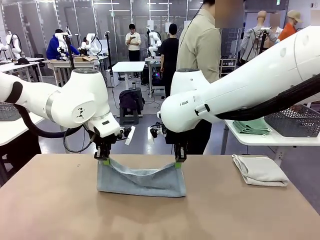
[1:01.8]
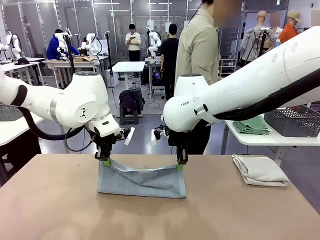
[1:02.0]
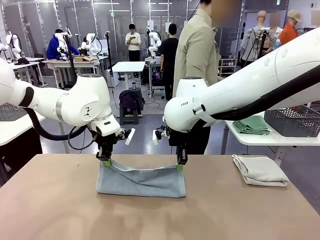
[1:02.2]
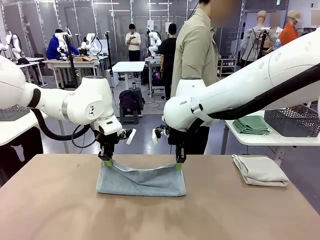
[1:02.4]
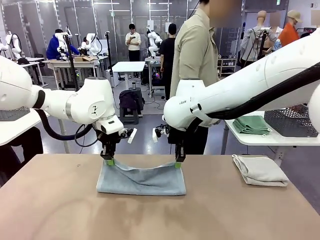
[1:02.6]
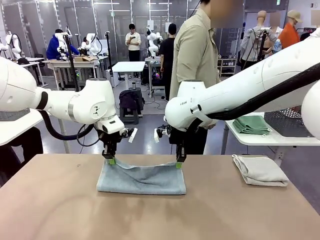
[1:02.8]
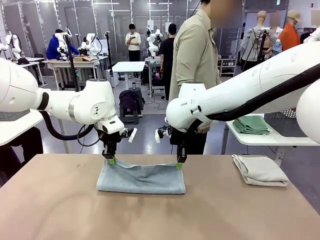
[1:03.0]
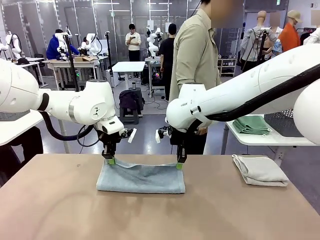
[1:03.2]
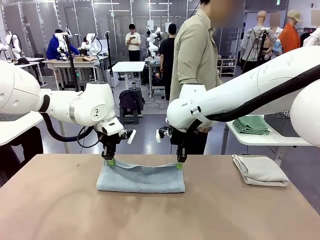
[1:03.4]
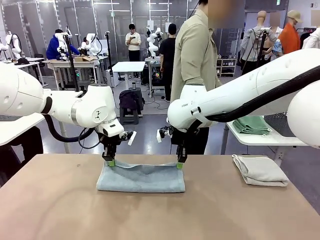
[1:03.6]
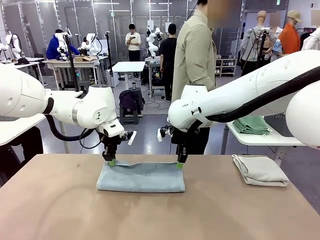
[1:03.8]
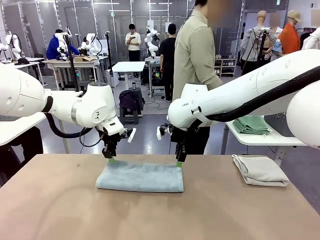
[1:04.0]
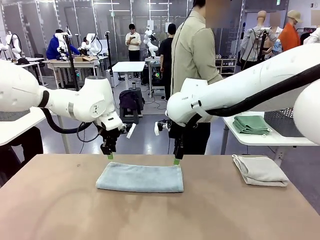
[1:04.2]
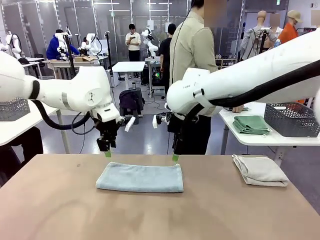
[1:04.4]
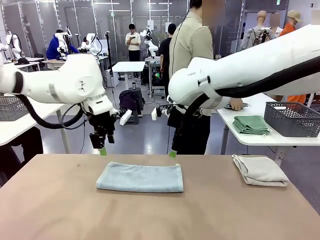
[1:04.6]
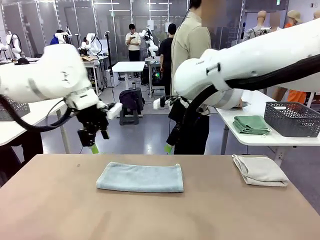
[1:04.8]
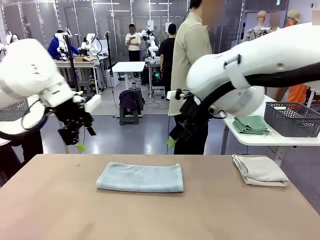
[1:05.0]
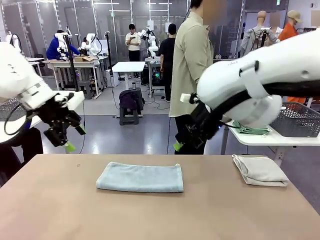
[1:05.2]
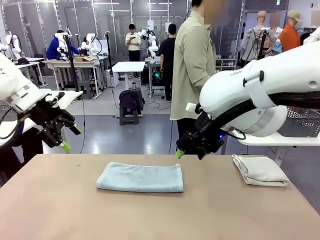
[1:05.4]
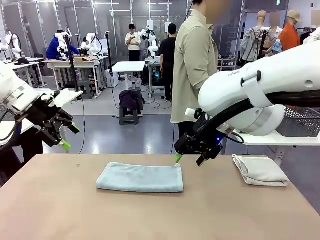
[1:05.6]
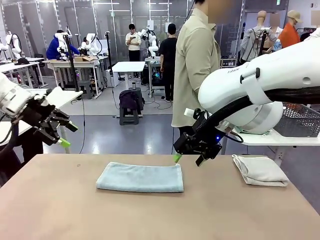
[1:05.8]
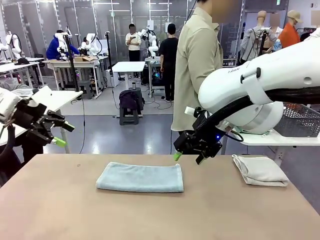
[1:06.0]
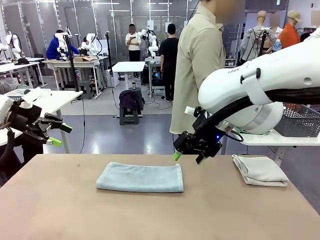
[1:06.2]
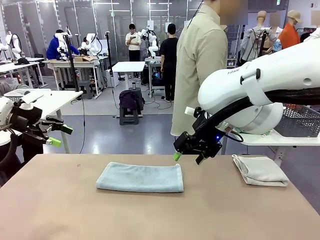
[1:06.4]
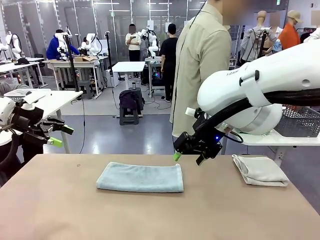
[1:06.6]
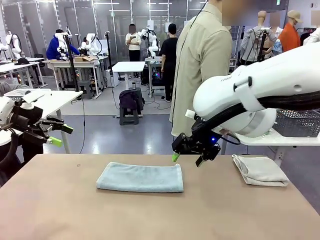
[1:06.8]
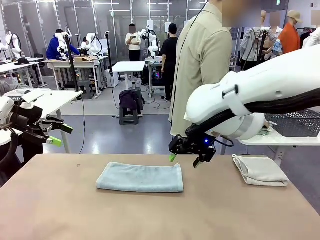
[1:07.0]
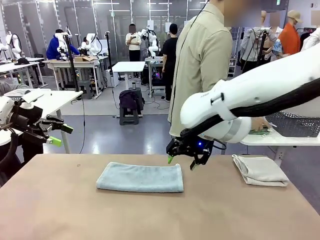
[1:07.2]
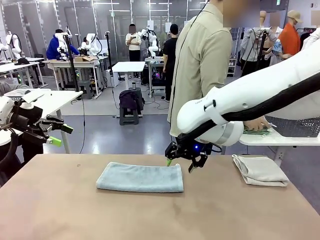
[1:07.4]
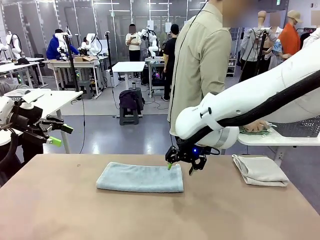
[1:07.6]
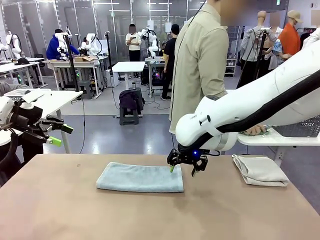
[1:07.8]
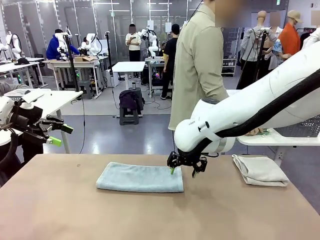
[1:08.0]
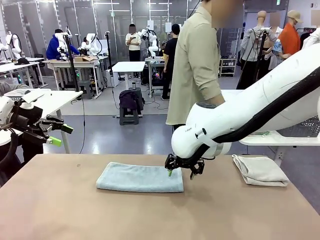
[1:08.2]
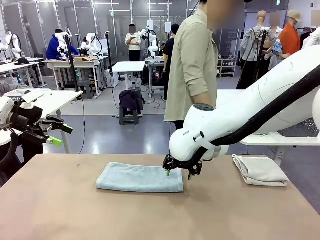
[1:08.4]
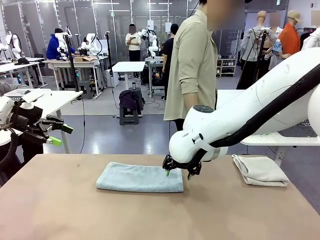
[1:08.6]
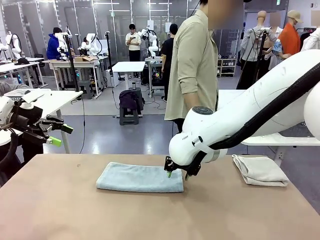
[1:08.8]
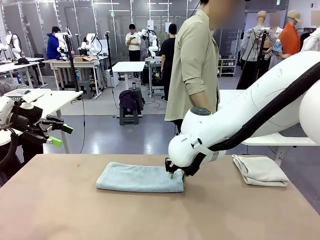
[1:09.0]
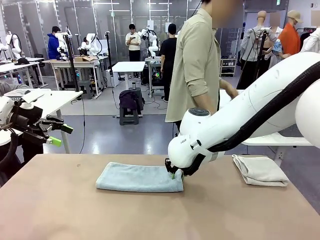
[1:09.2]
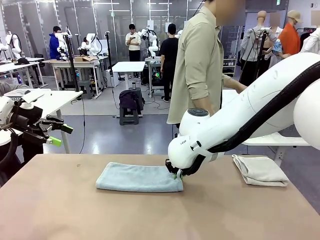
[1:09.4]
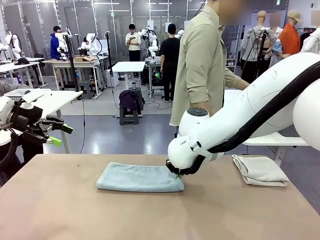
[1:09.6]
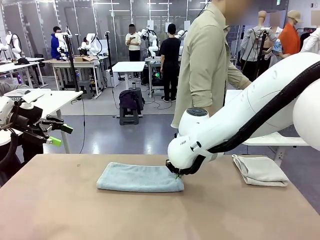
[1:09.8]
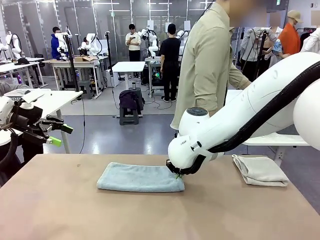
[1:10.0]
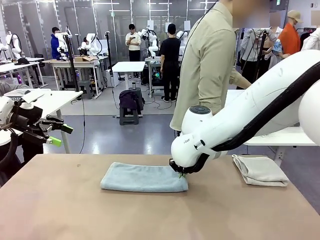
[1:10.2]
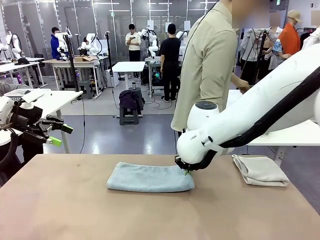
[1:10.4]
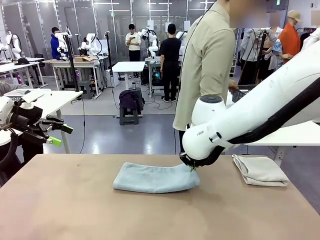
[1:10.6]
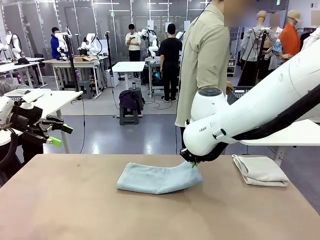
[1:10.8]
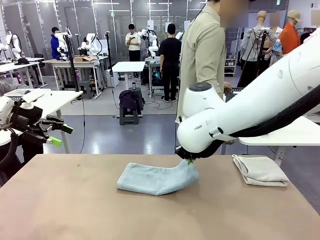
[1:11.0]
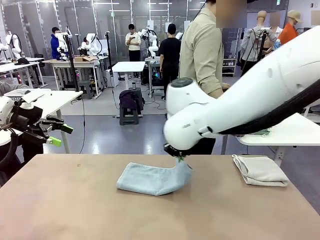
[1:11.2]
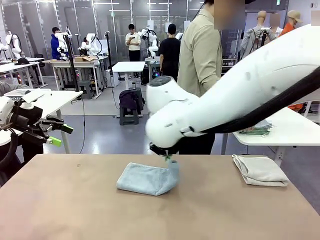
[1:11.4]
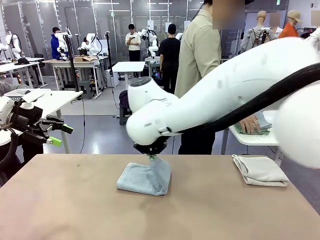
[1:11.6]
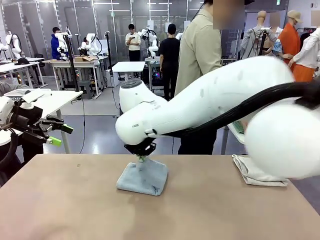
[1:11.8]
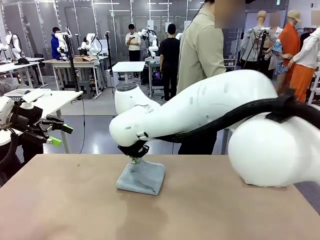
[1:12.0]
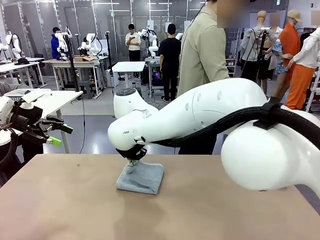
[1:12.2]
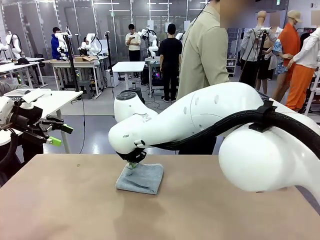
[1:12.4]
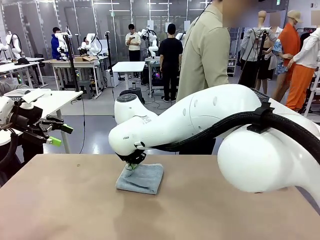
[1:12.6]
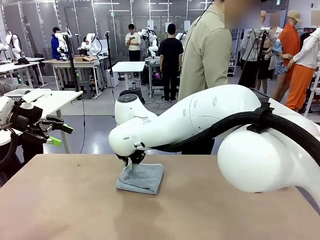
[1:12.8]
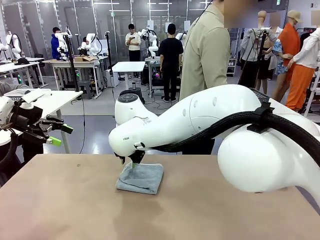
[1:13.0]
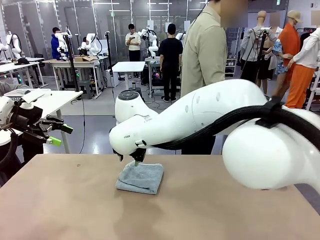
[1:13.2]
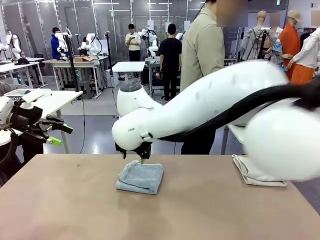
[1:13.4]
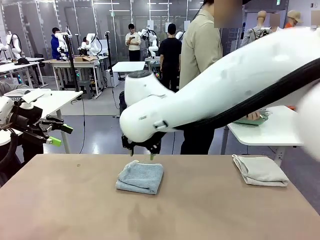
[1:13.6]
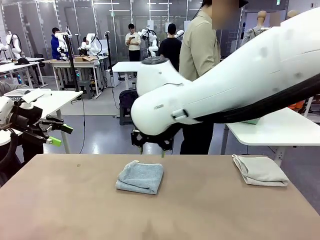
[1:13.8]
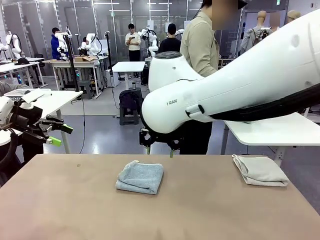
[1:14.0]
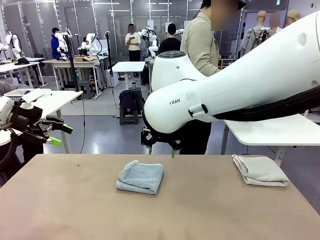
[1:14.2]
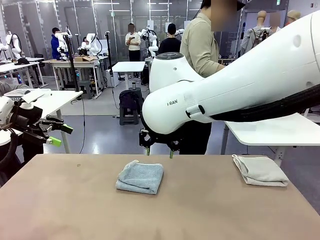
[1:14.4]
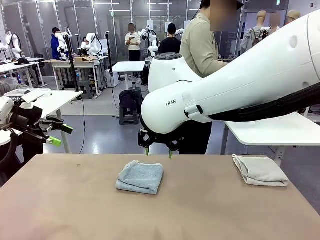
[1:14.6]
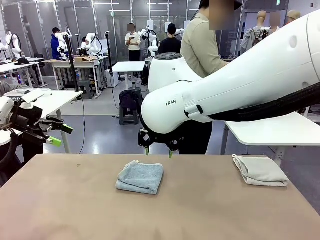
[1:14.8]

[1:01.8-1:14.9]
Task: Fold the towels and place them in the basket.
Robot: When a person lays out a Towel with hook on the table, fold it in half twice.
Person: Pick up the stack of towels from the right side of the human table, place it into the basket, and put the basket at the center of the table.
